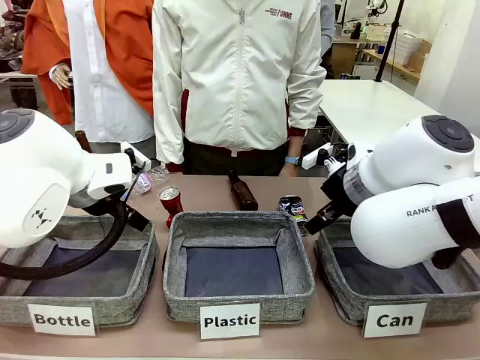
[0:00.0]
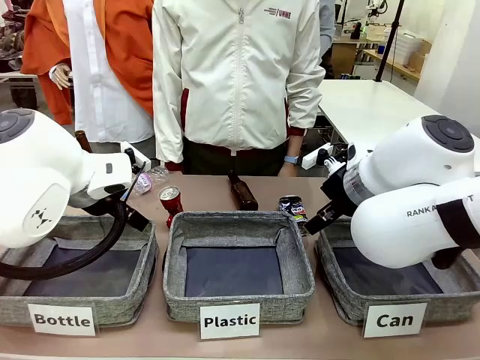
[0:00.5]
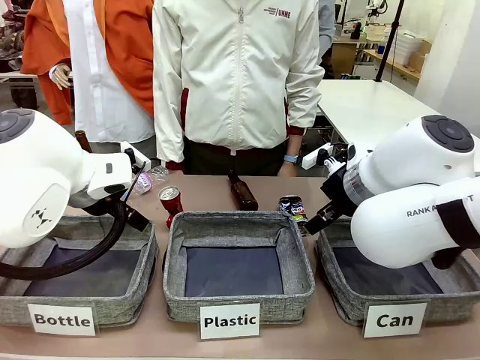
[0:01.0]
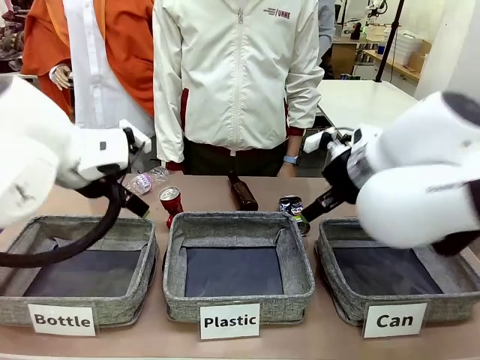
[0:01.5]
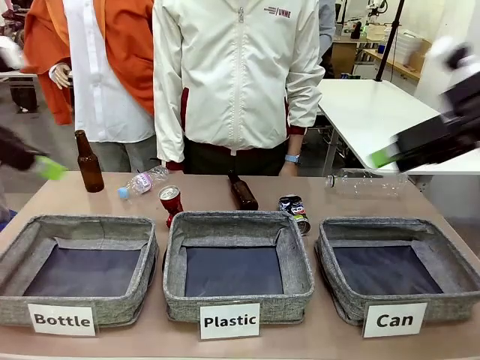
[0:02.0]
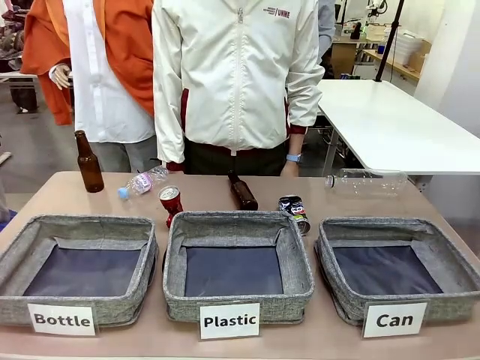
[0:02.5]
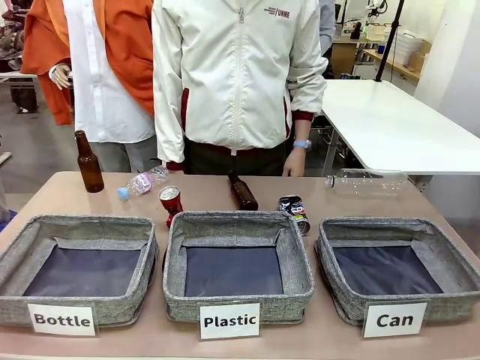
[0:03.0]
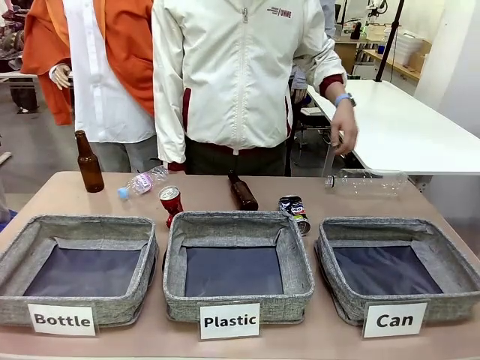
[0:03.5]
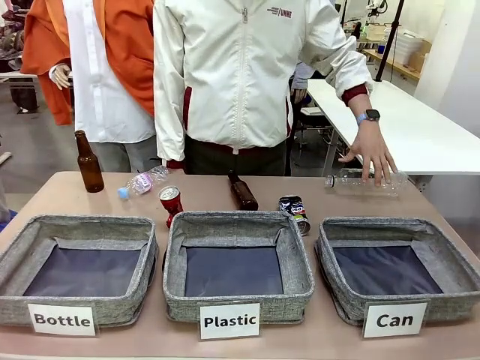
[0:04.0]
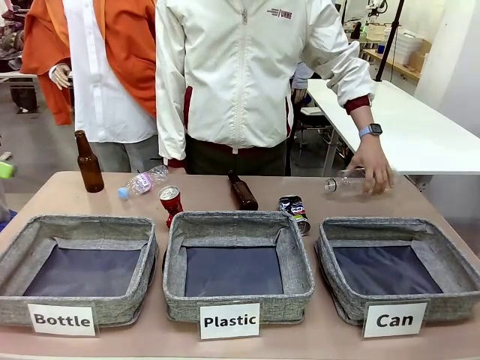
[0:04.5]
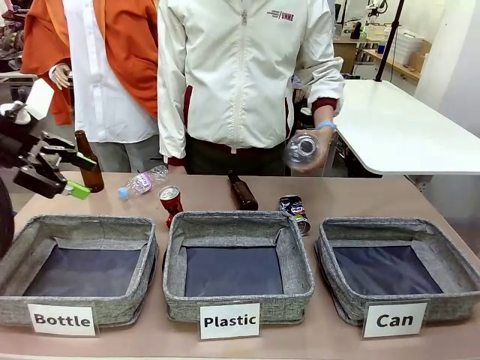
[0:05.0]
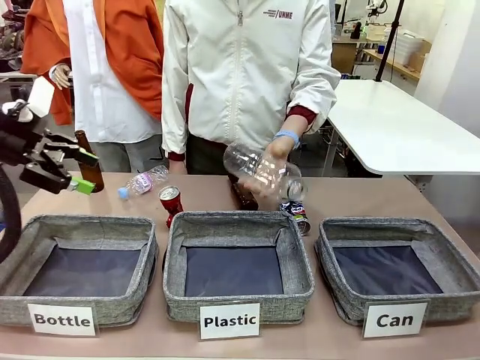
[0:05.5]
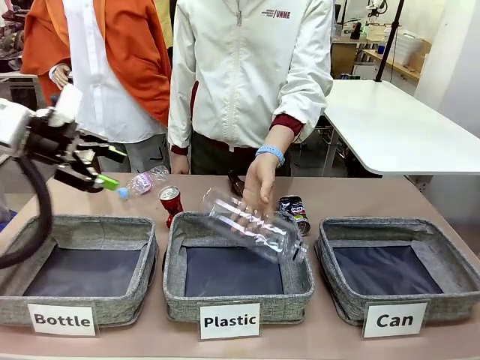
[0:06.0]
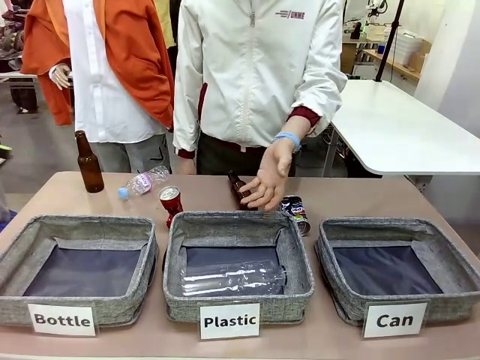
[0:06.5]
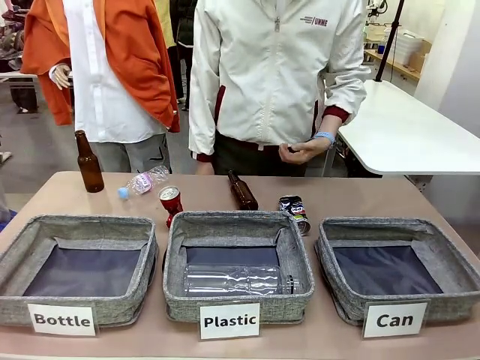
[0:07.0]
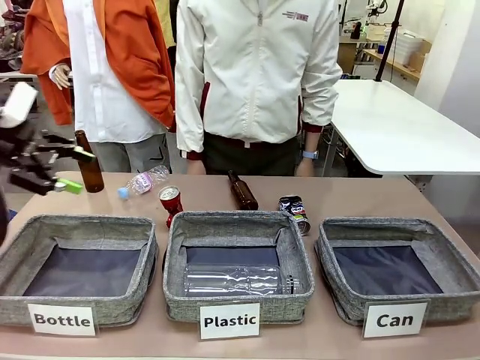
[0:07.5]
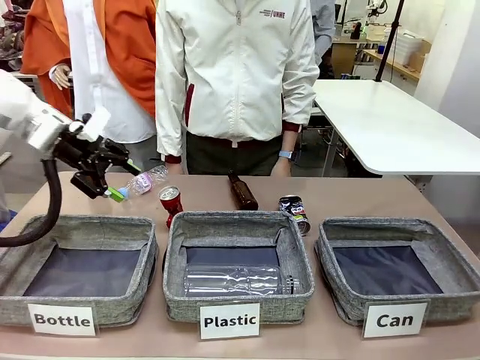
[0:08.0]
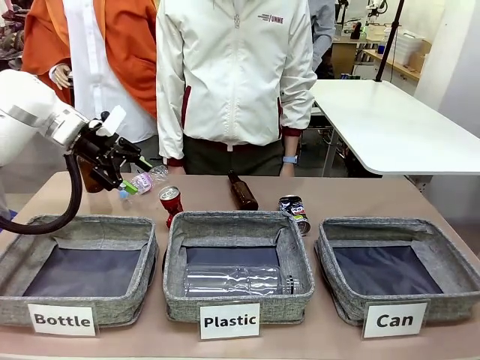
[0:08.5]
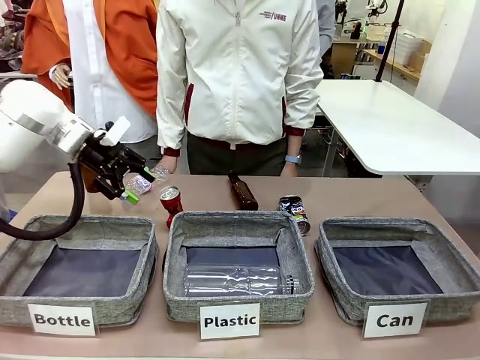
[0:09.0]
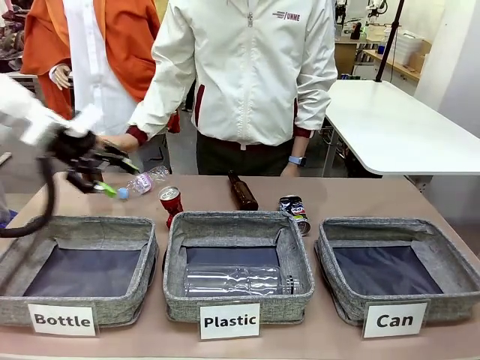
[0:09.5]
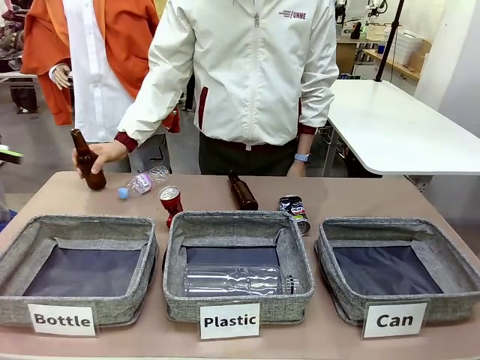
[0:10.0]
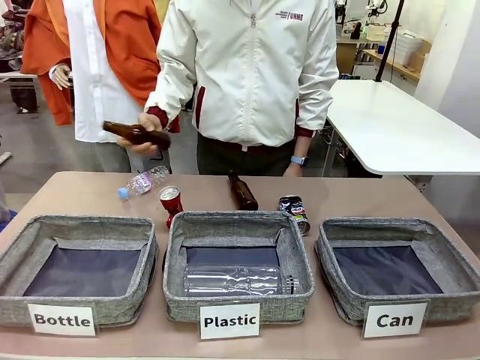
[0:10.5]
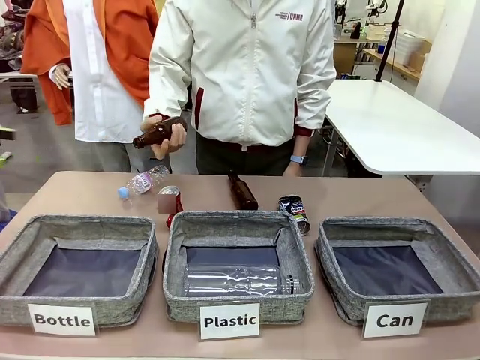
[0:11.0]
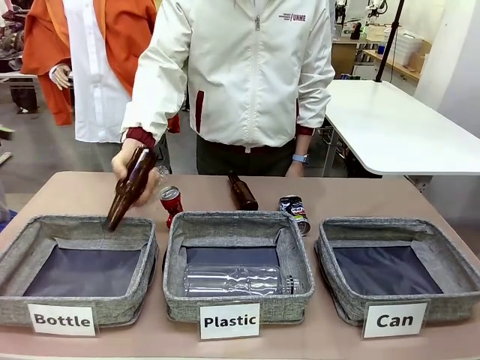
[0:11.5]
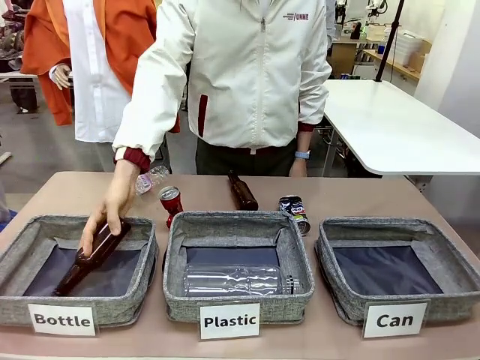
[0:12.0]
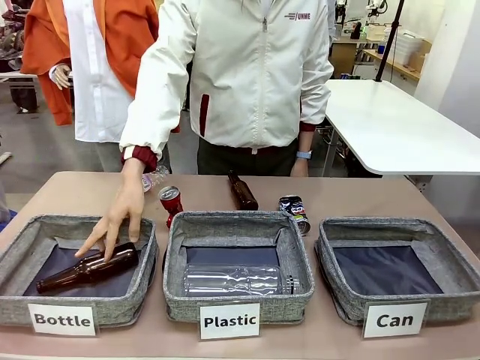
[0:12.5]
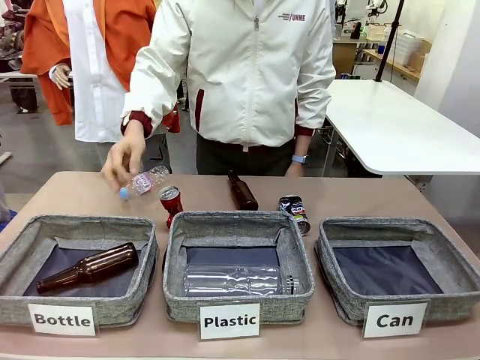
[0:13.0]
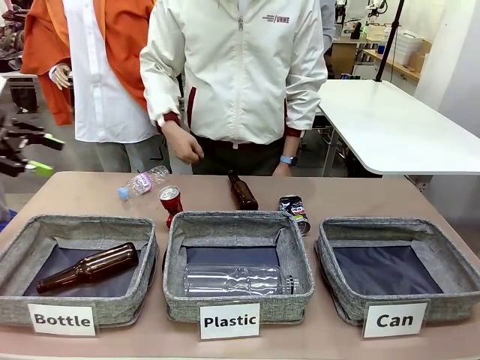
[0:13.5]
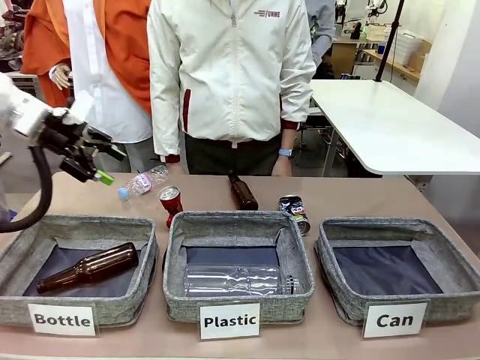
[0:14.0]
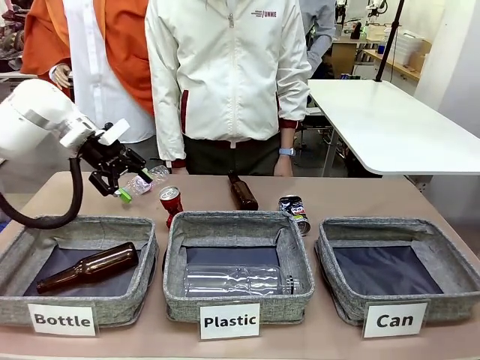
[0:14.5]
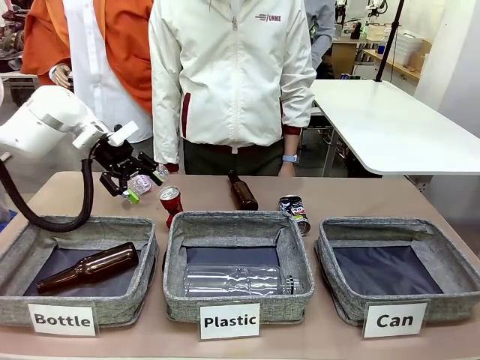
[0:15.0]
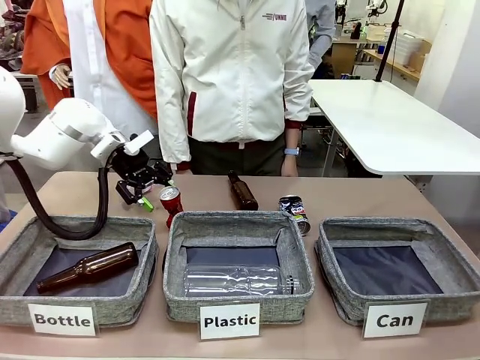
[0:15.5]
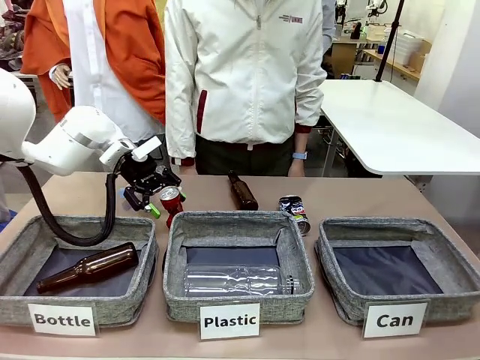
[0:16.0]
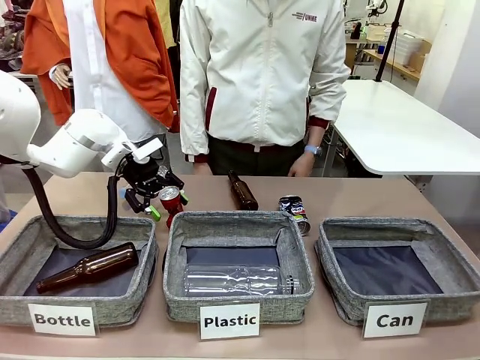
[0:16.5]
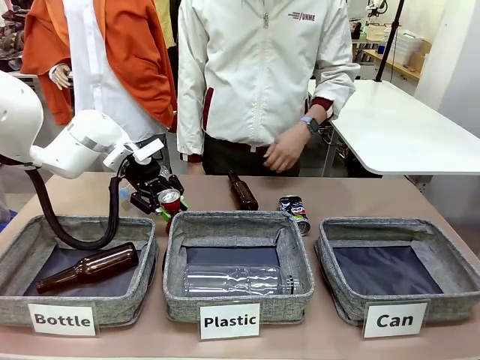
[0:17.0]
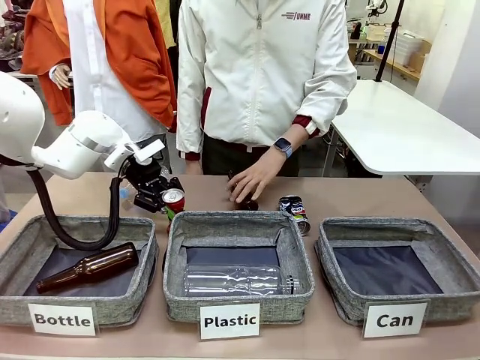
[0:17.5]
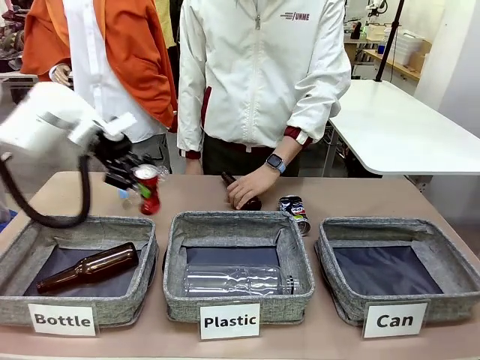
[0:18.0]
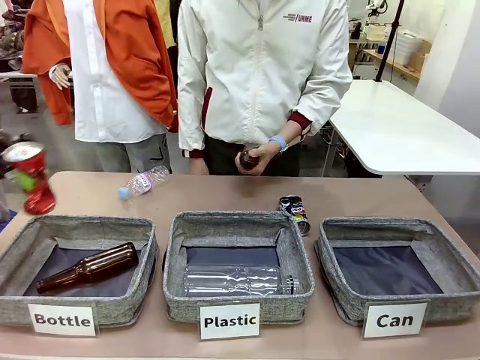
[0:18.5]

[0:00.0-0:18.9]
Task: Sort the can waste into the basket.
Robot: Pick up the can waste from the table and place it in the right Fabric basket.
